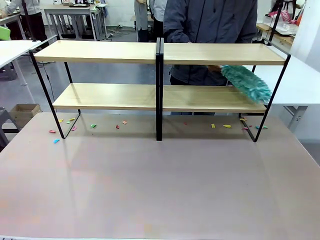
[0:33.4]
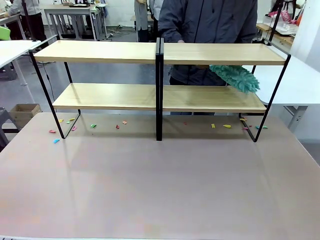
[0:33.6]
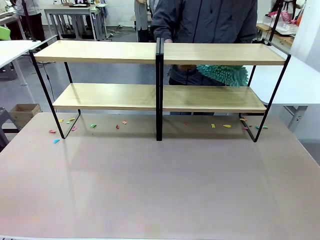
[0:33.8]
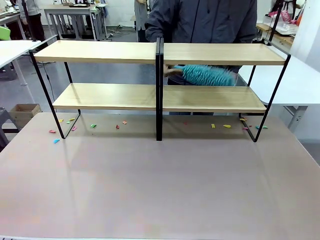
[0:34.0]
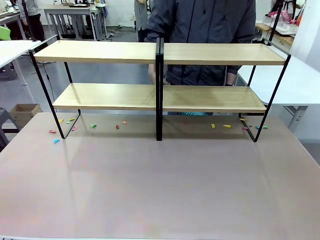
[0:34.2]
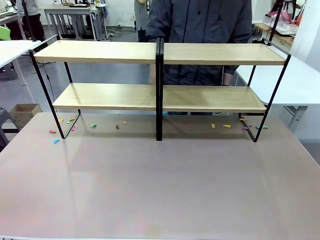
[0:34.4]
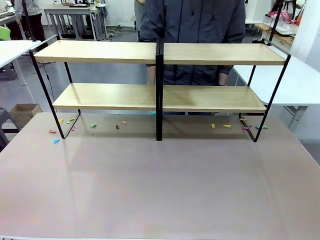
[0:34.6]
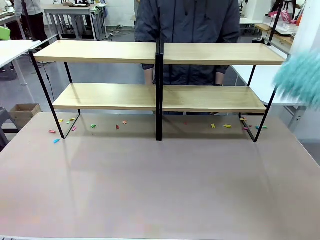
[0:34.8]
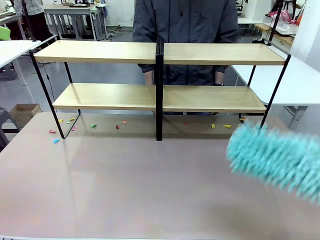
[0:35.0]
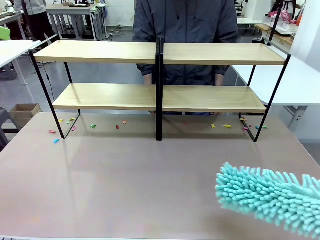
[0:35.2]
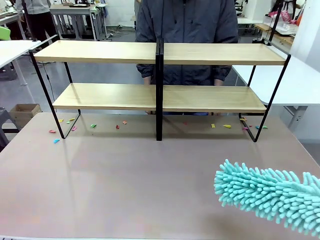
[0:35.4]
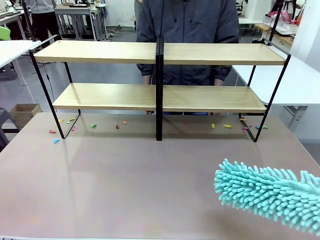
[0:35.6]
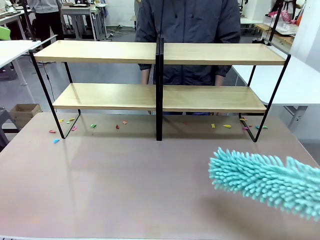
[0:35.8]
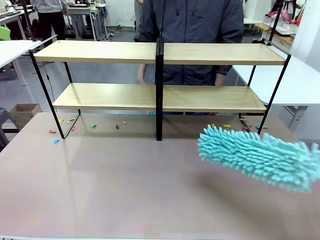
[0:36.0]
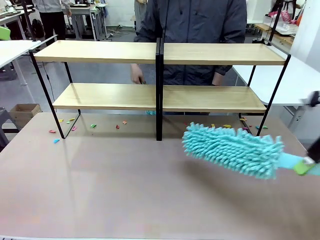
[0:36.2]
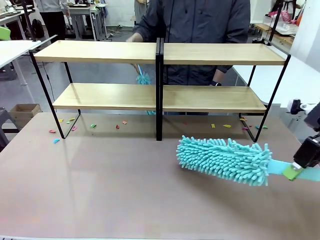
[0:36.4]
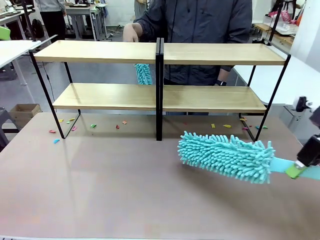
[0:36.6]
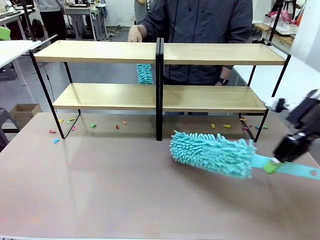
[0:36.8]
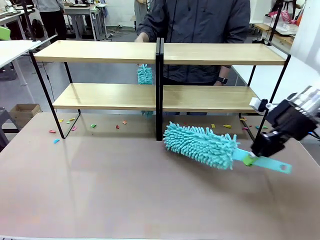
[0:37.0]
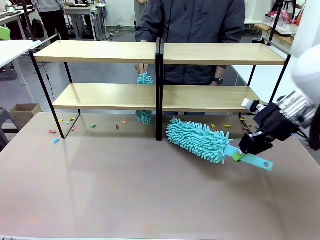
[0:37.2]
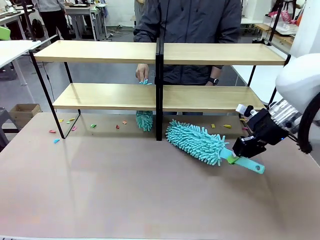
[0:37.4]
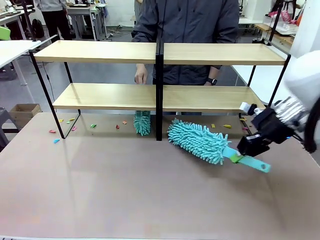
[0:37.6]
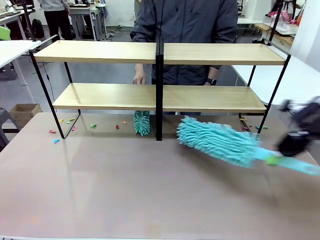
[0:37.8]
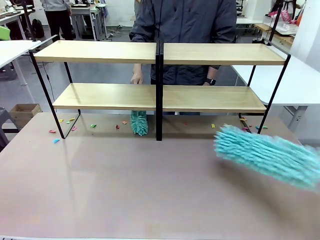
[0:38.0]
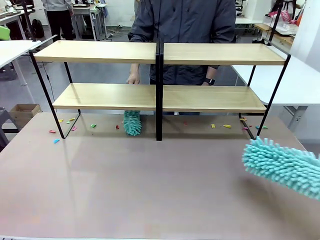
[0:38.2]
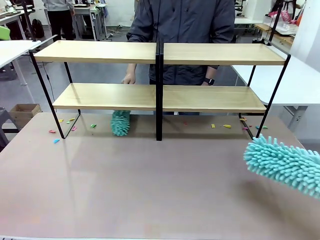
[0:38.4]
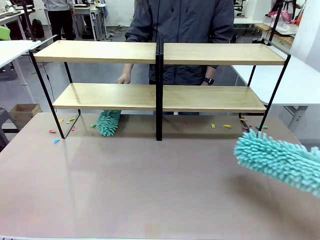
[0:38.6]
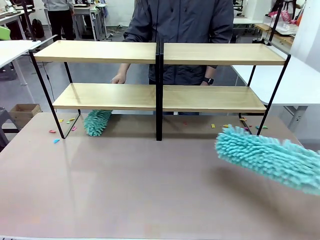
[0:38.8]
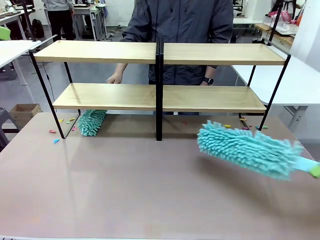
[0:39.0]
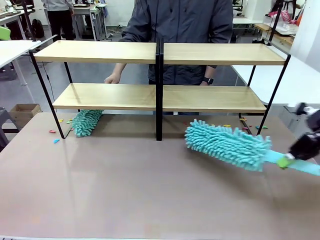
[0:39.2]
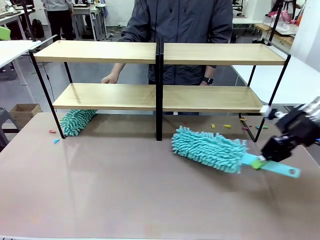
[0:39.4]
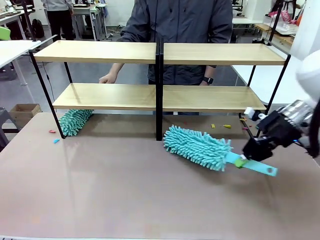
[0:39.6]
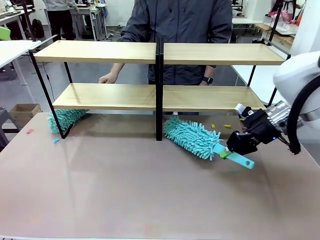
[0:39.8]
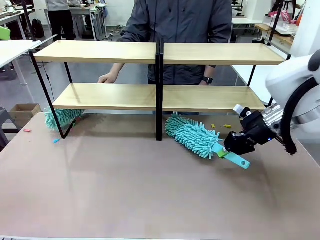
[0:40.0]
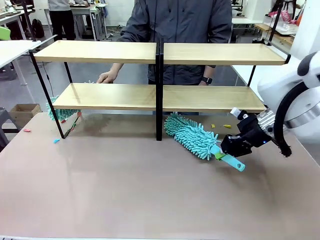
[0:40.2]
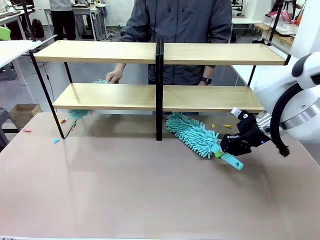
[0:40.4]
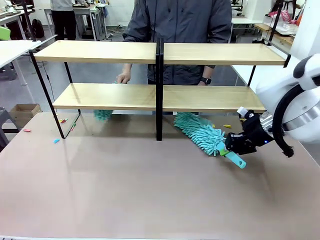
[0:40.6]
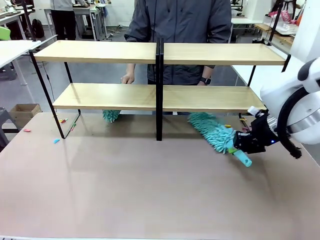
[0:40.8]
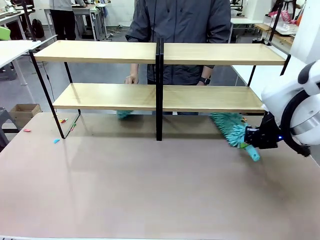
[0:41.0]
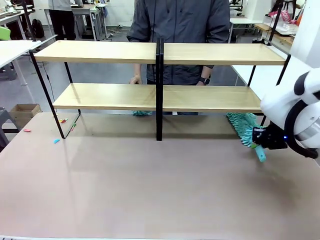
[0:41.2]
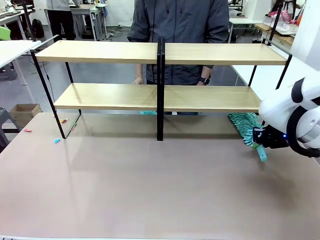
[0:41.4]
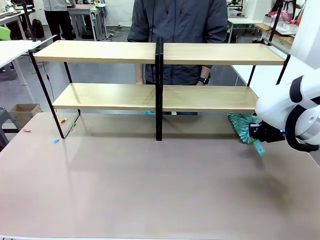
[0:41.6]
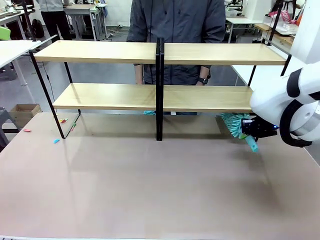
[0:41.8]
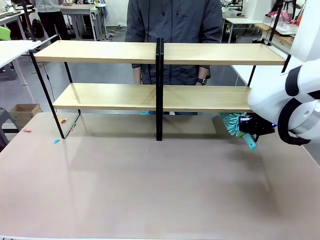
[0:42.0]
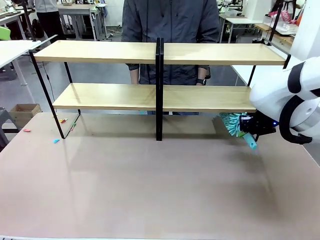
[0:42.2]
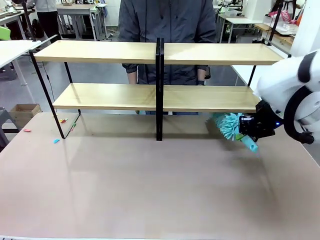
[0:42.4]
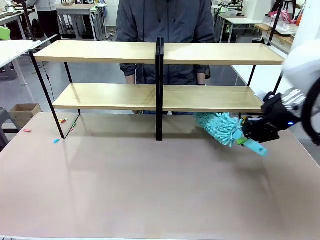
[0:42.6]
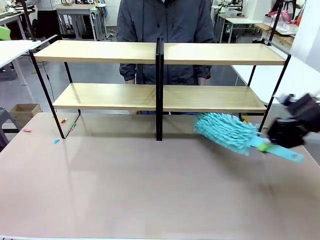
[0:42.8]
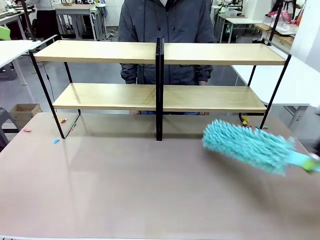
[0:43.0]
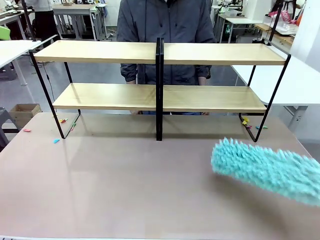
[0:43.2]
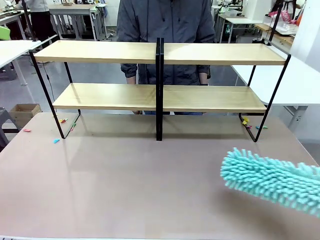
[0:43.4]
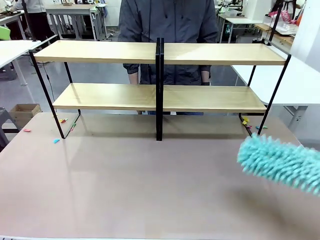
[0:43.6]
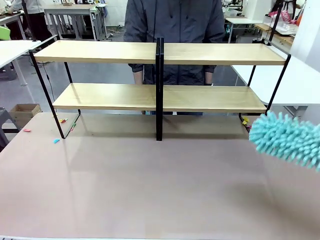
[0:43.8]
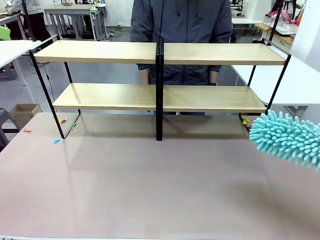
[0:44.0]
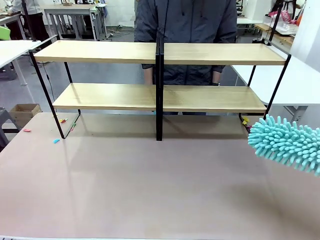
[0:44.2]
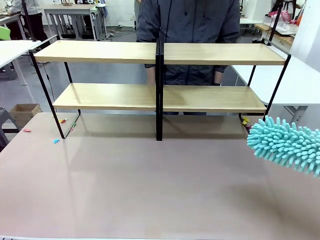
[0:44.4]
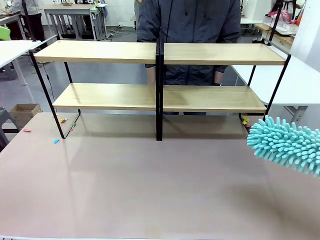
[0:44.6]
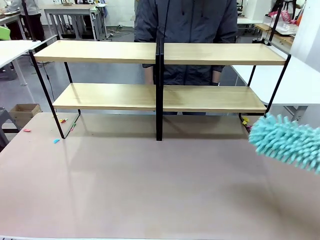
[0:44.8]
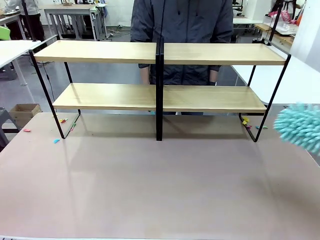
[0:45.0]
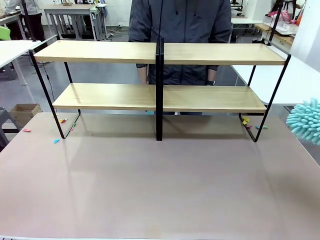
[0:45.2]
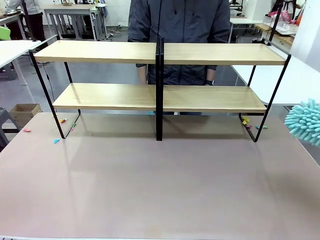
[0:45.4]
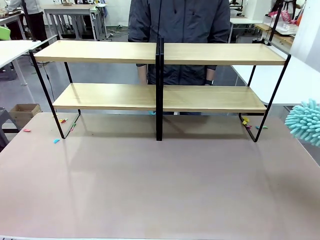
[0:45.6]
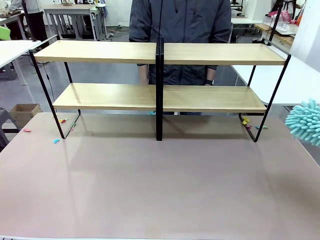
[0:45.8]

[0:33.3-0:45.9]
Task: Clean the shelves.
Robot: Clean another randomly selected level of the Shelf with the Duster.

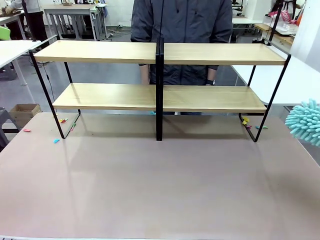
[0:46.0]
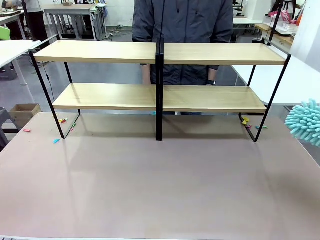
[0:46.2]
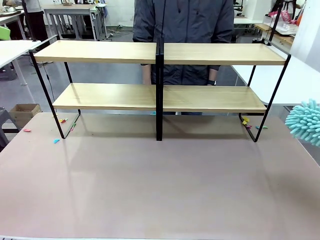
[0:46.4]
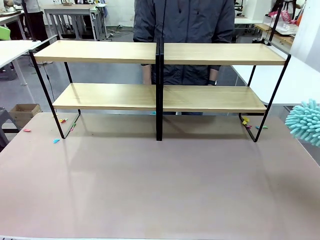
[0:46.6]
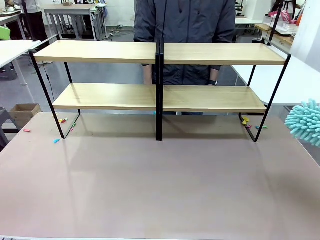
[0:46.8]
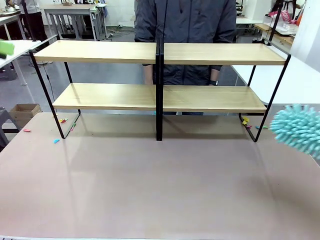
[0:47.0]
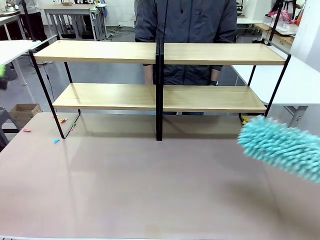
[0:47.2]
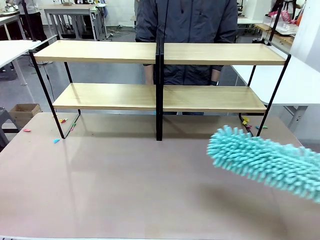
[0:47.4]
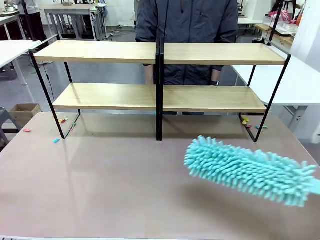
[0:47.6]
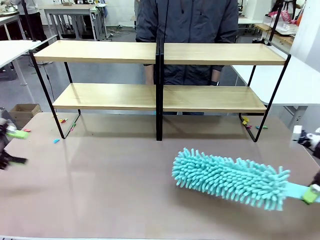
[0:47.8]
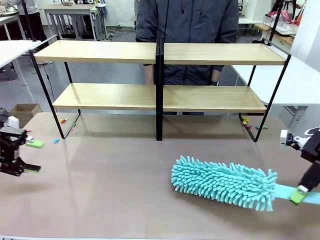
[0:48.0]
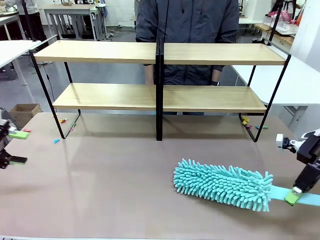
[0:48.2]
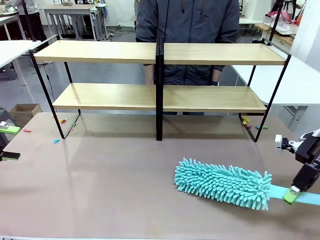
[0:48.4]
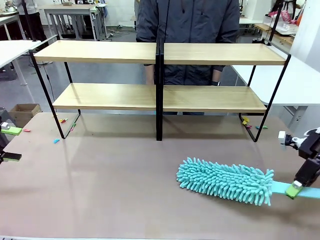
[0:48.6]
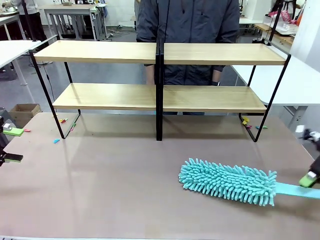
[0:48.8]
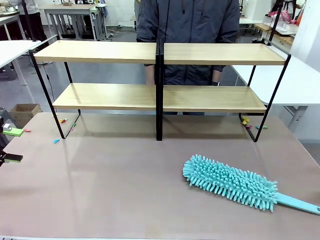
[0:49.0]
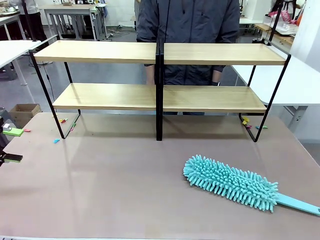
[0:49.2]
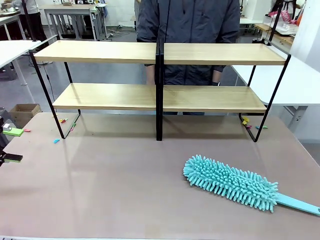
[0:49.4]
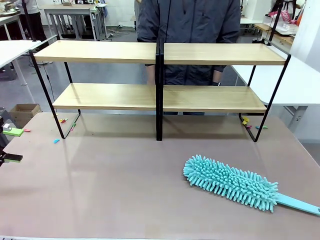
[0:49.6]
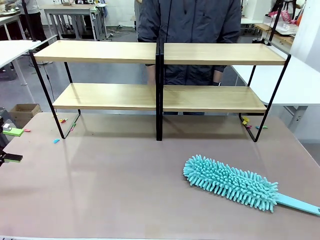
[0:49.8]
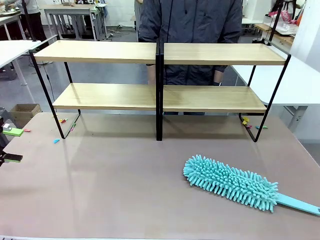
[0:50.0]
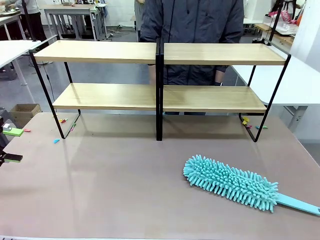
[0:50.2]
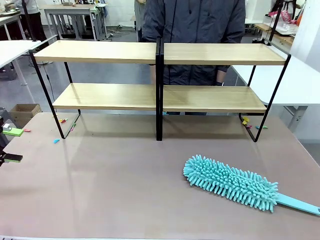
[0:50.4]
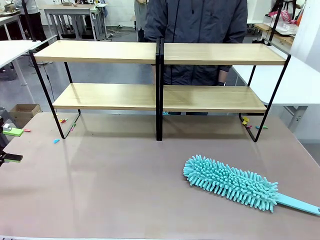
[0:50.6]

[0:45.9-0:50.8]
Robot: Place the Duster on the table.
